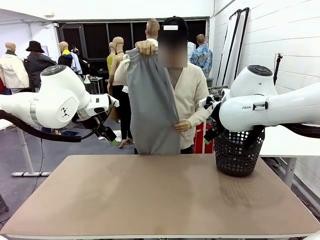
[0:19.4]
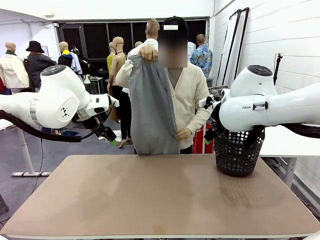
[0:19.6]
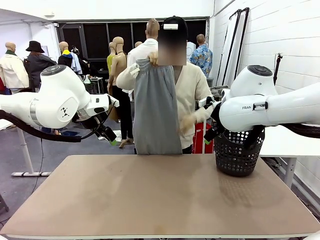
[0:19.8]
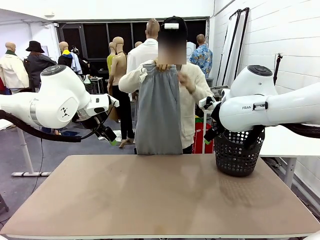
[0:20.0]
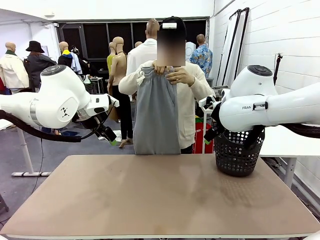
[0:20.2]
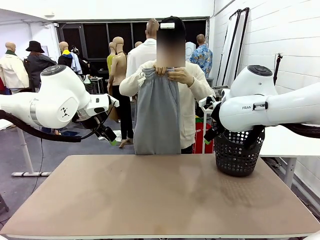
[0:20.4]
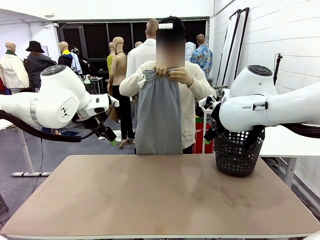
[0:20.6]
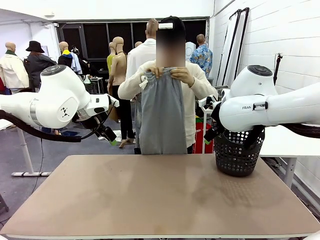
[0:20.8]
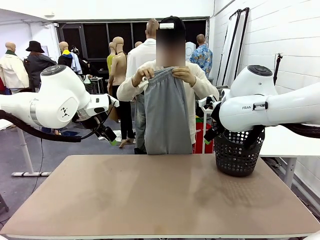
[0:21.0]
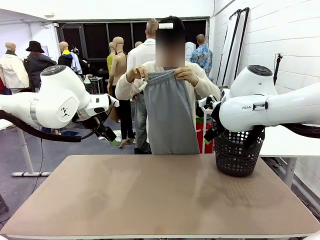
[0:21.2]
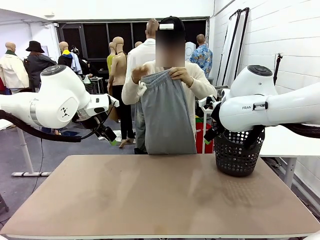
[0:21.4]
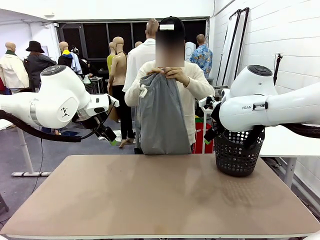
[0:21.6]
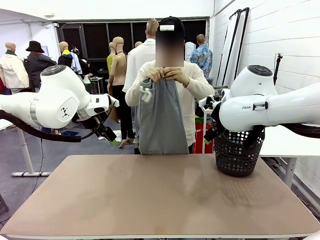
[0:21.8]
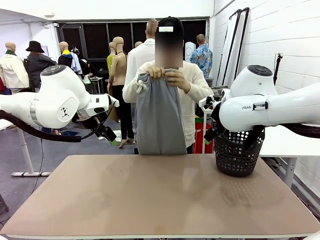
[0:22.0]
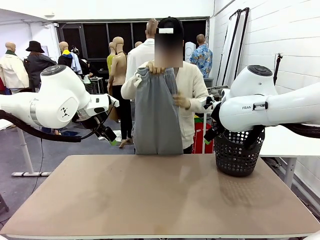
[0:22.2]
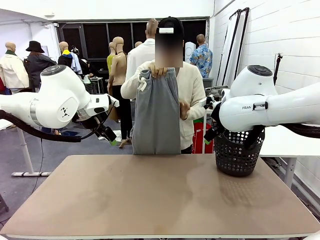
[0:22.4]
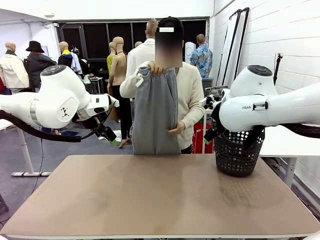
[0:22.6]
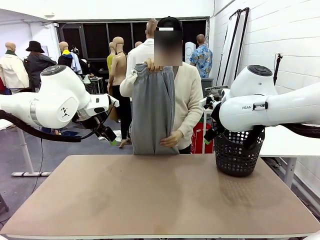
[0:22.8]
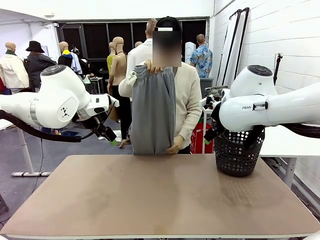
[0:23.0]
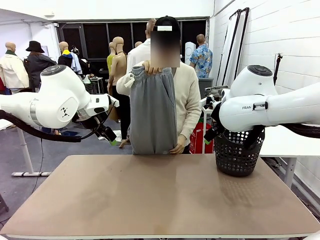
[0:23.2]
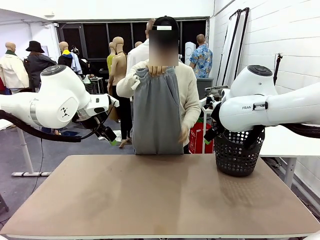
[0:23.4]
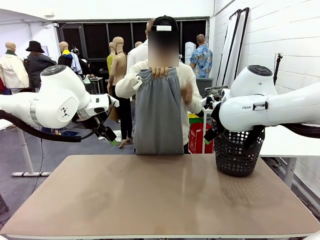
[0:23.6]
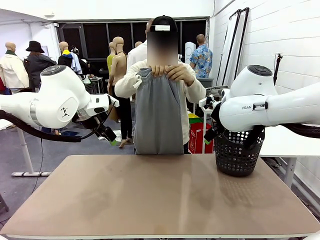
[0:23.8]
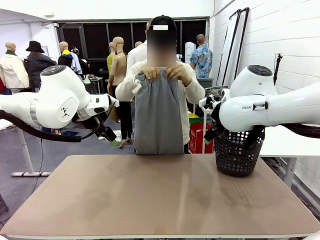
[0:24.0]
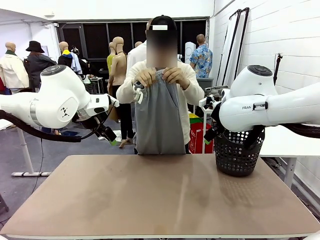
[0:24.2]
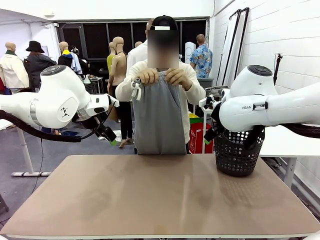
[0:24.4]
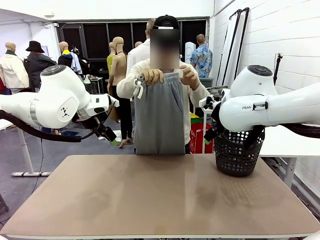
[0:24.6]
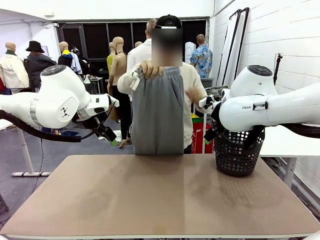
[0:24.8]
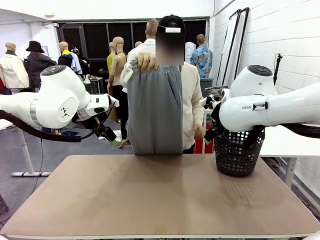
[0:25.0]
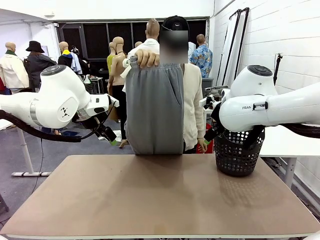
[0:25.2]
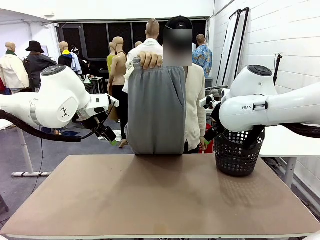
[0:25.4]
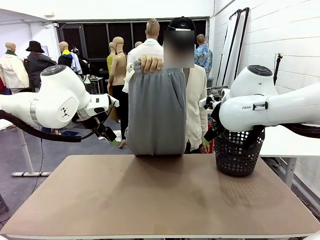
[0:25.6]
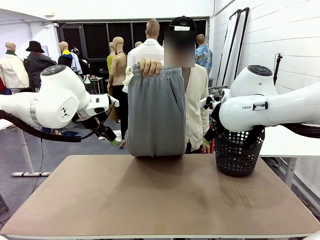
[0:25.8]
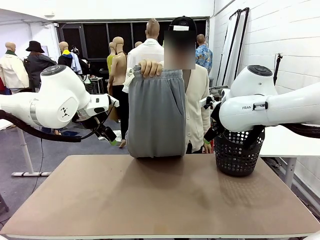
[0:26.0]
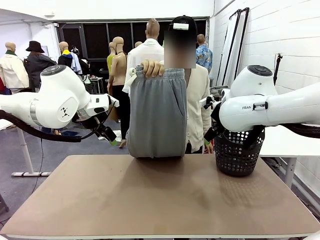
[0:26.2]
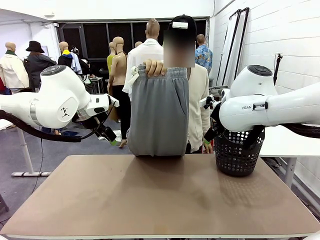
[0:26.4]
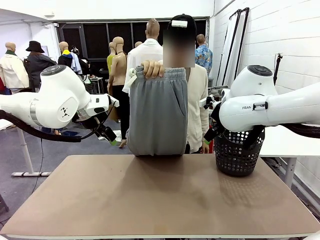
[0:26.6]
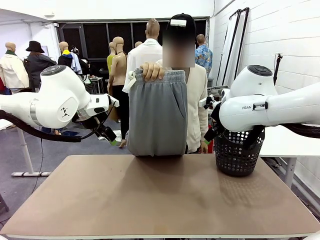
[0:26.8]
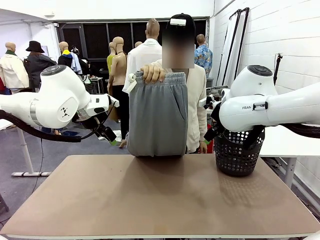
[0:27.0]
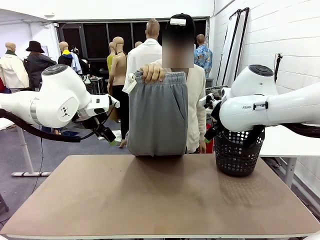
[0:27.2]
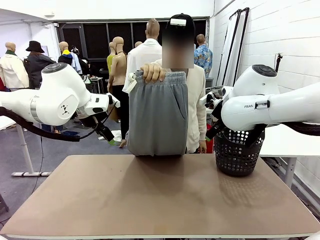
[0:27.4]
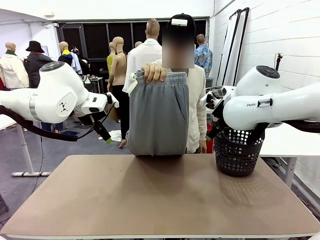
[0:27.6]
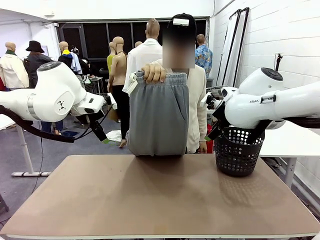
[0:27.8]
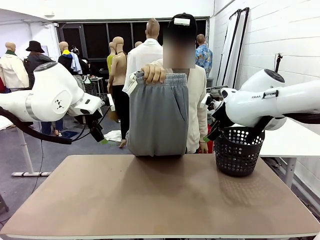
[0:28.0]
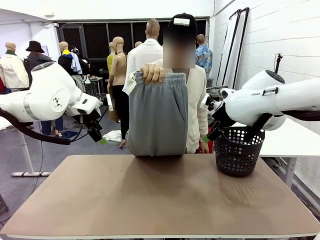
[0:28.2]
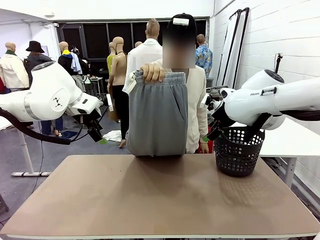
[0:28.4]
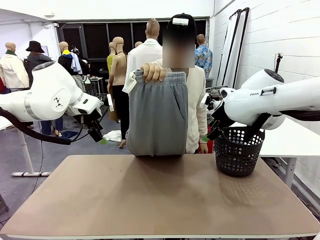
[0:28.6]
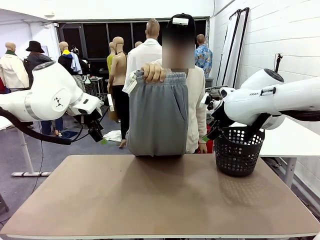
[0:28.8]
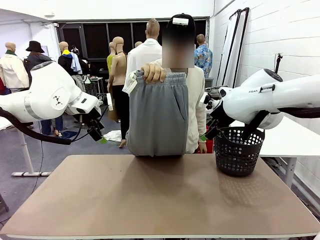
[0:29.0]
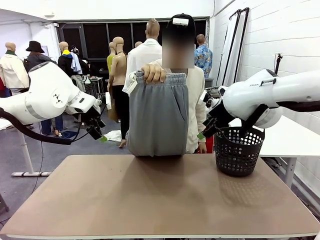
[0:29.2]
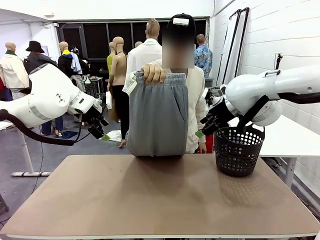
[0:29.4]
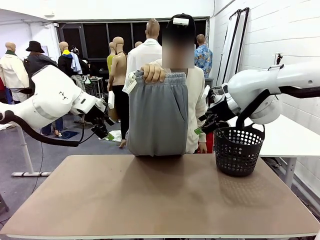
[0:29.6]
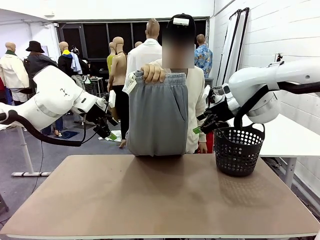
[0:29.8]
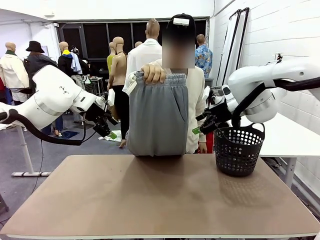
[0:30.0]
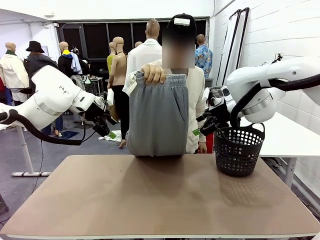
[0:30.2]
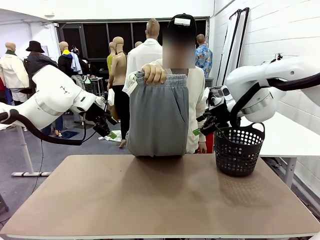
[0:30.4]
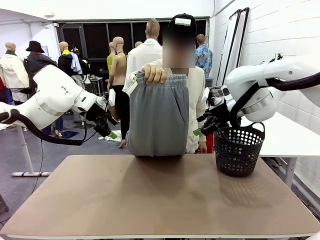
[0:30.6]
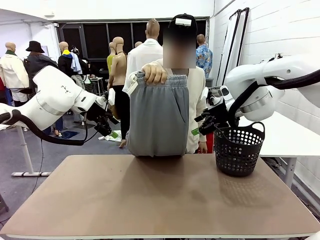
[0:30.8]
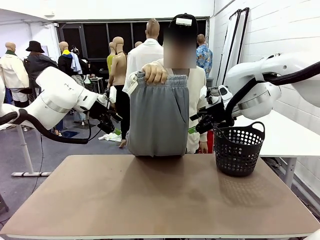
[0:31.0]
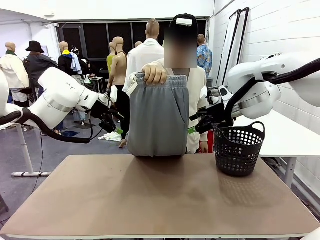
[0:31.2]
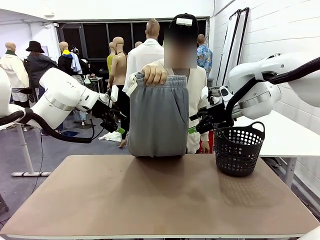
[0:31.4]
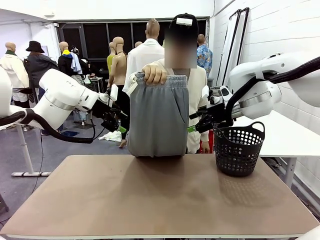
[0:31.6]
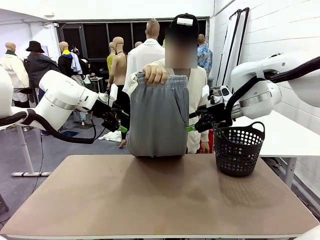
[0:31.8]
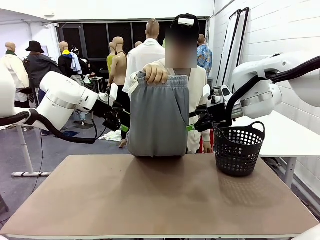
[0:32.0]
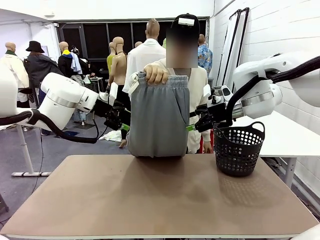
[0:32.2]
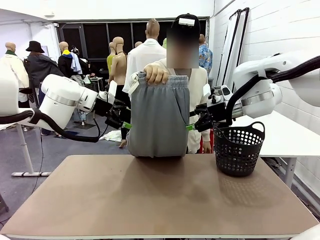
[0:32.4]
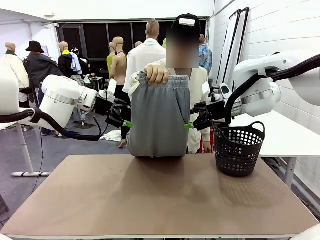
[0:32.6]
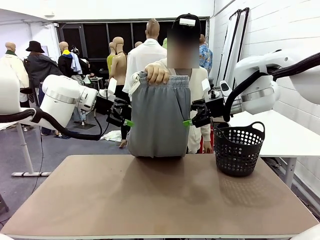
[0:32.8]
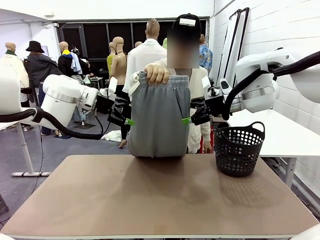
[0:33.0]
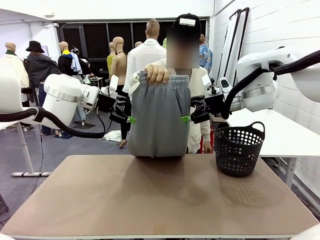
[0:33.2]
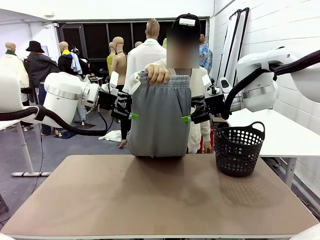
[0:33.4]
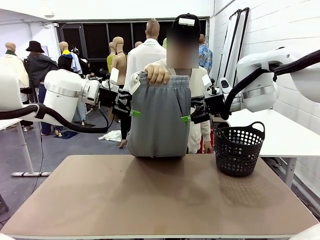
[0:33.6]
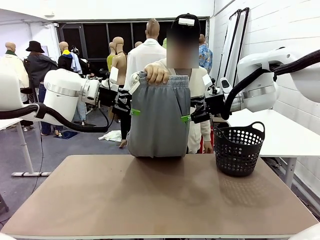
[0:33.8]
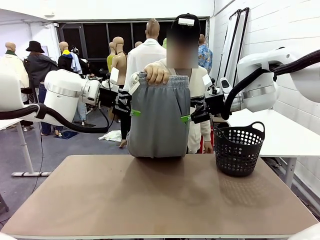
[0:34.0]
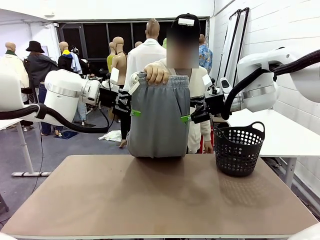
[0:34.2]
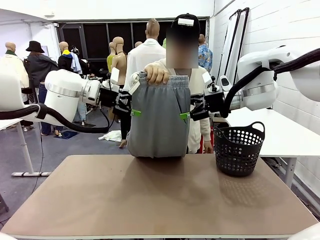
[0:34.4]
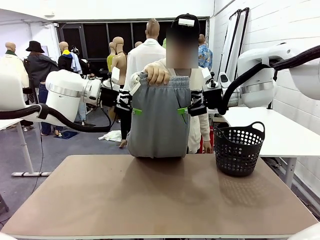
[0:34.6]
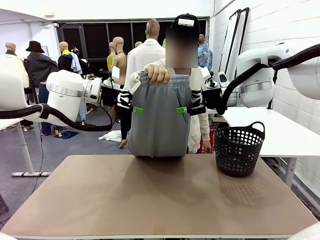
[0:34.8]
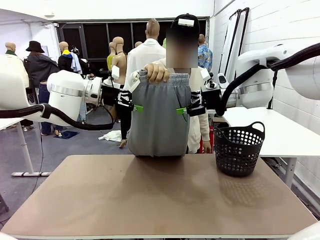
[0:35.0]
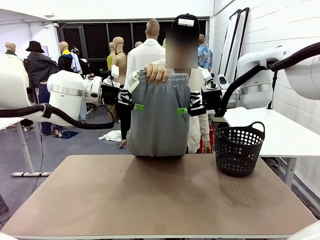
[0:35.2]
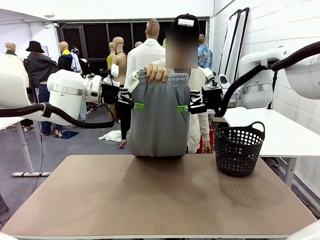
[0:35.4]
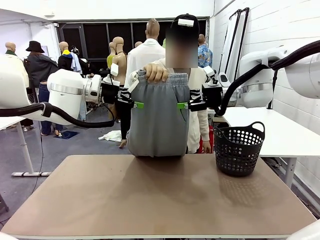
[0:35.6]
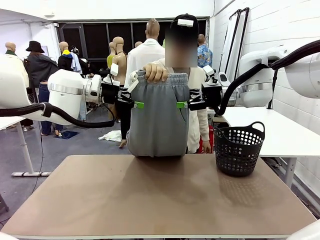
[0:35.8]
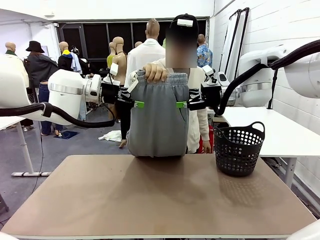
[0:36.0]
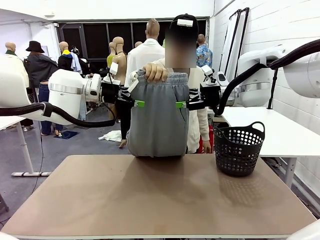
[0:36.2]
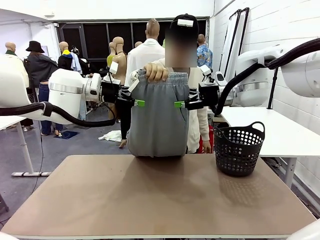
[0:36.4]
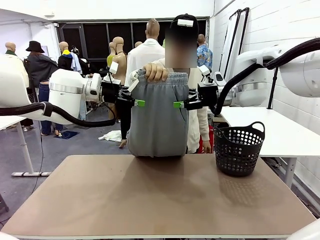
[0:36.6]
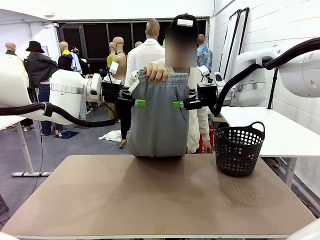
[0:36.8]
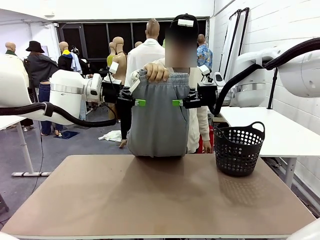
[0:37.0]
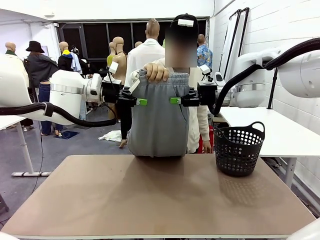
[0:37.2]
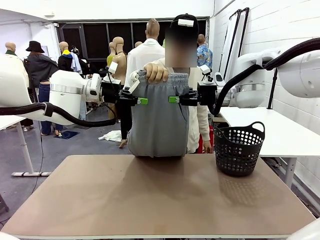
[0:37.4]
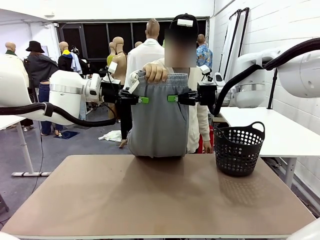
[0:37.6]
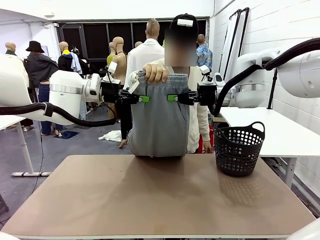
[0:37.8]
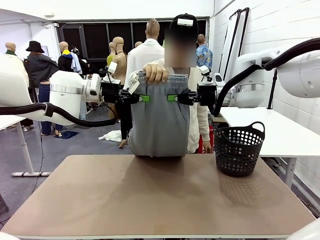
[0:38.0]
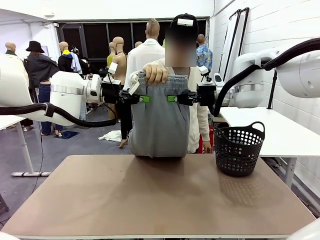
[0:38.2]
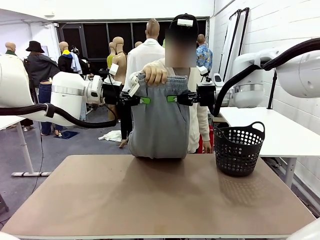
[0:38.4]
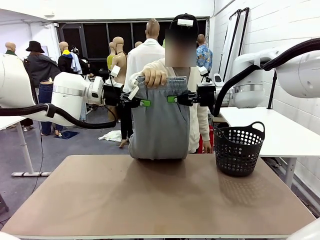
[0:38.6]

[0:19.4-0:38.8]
Task: Fold the training pants.
Robot: Grab both ends of the Training pants handed by a person.
